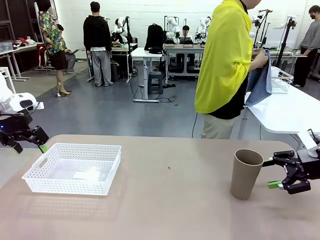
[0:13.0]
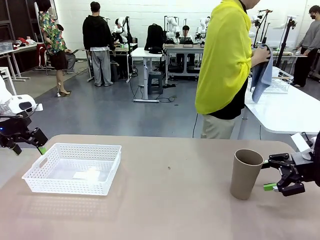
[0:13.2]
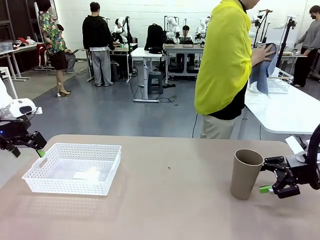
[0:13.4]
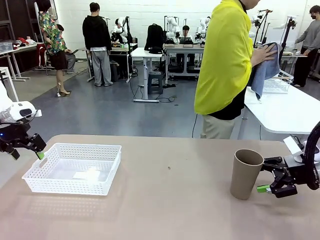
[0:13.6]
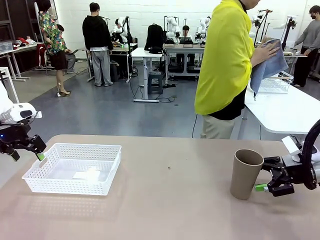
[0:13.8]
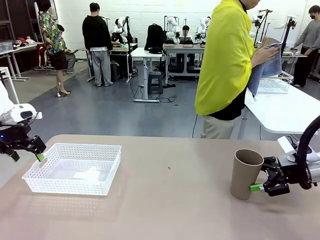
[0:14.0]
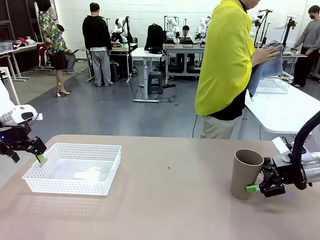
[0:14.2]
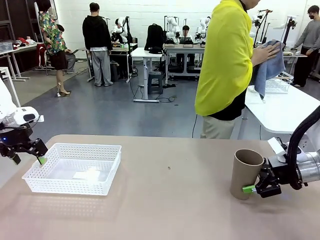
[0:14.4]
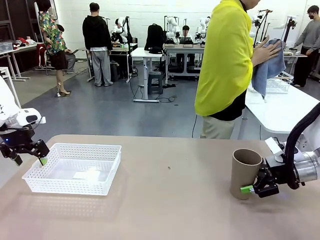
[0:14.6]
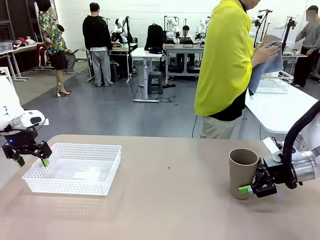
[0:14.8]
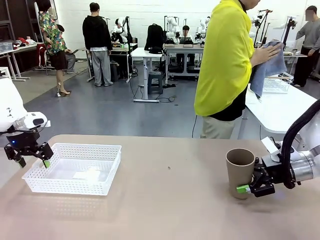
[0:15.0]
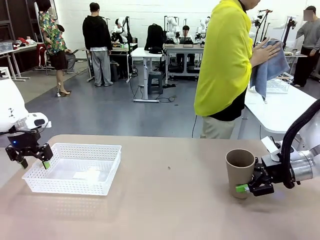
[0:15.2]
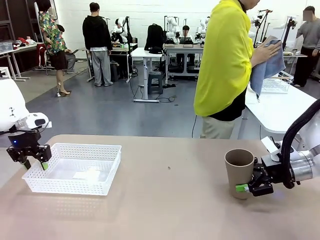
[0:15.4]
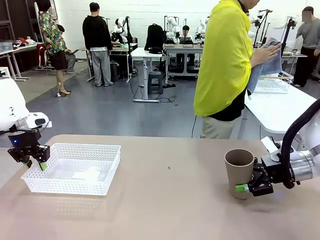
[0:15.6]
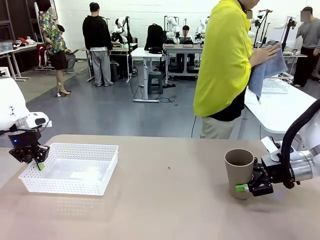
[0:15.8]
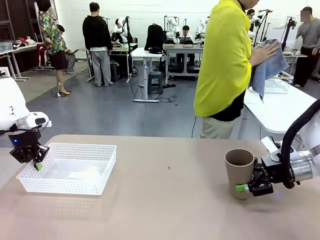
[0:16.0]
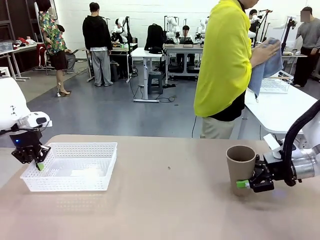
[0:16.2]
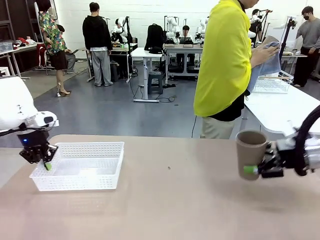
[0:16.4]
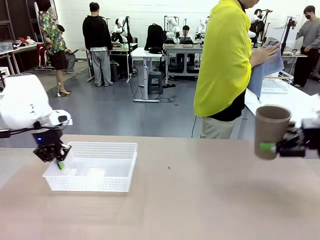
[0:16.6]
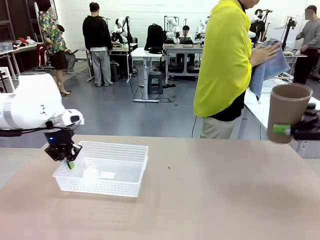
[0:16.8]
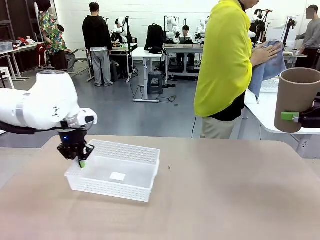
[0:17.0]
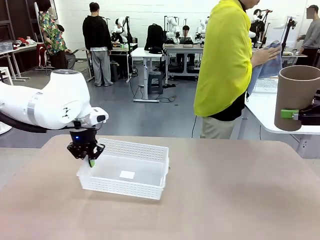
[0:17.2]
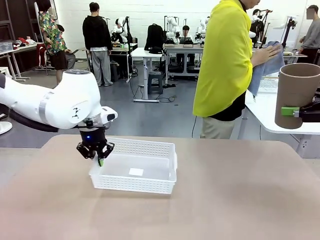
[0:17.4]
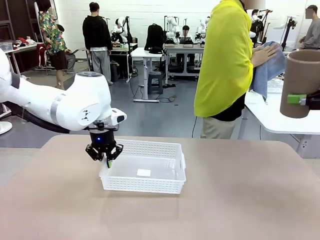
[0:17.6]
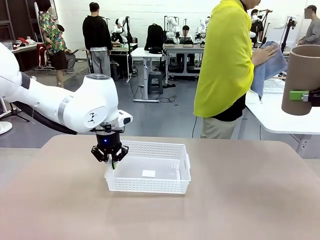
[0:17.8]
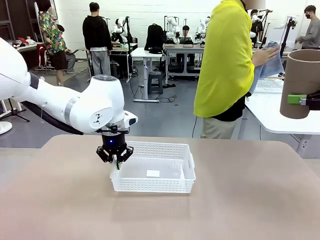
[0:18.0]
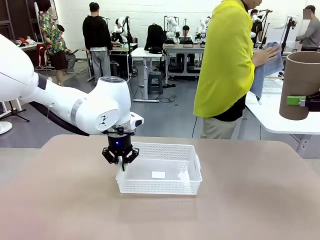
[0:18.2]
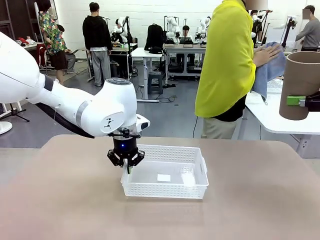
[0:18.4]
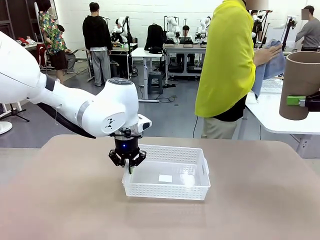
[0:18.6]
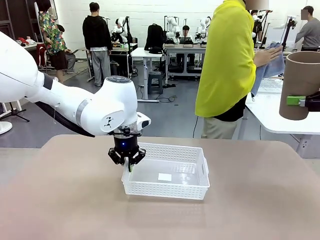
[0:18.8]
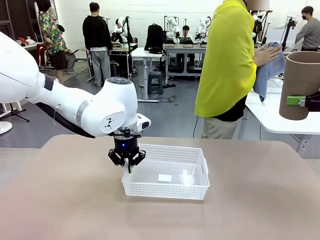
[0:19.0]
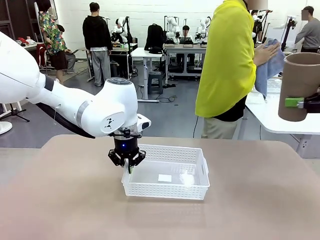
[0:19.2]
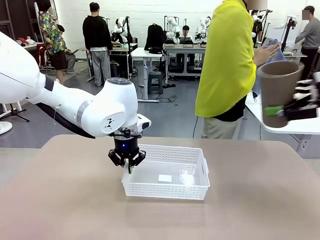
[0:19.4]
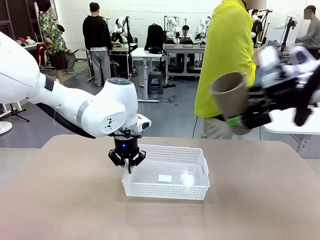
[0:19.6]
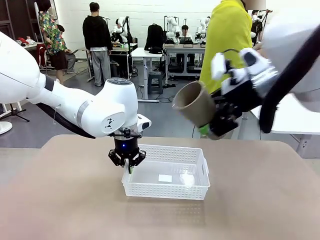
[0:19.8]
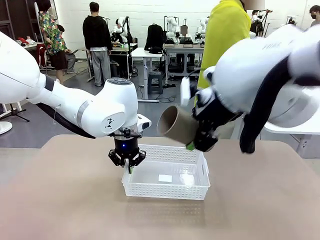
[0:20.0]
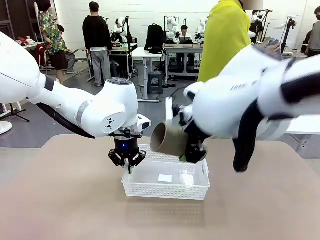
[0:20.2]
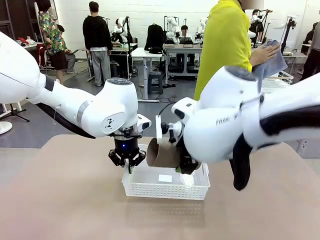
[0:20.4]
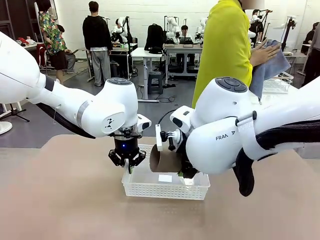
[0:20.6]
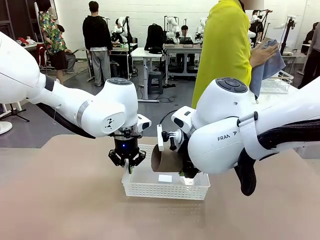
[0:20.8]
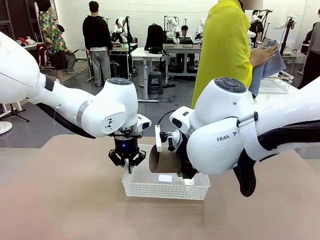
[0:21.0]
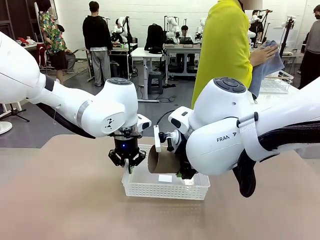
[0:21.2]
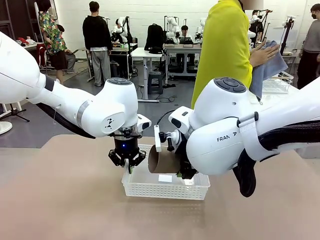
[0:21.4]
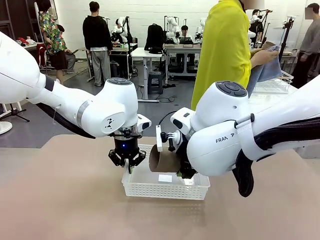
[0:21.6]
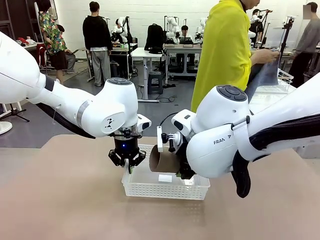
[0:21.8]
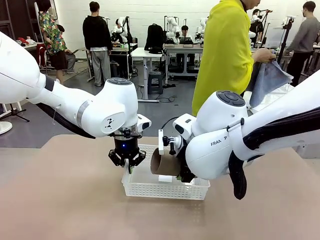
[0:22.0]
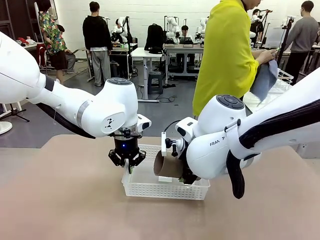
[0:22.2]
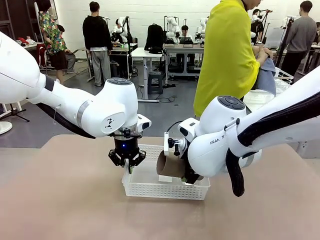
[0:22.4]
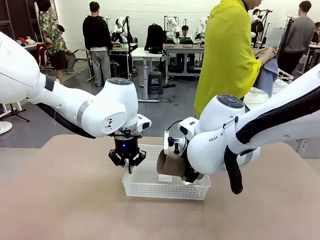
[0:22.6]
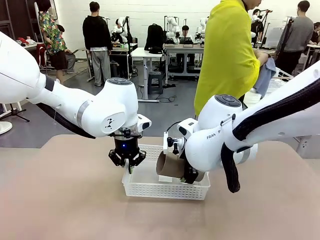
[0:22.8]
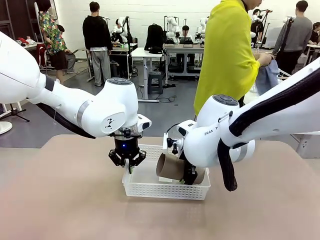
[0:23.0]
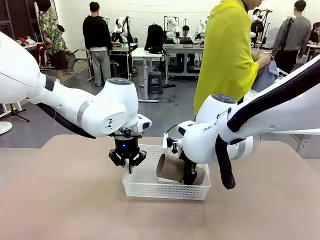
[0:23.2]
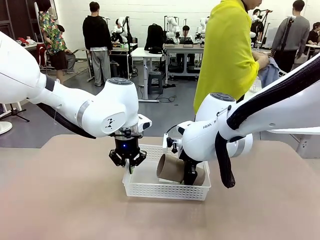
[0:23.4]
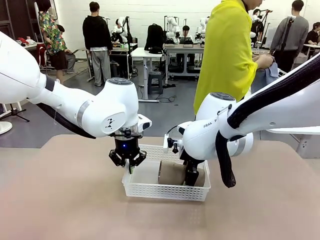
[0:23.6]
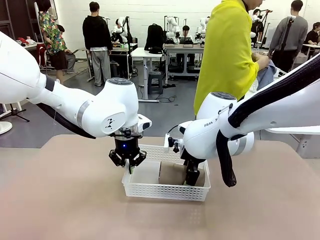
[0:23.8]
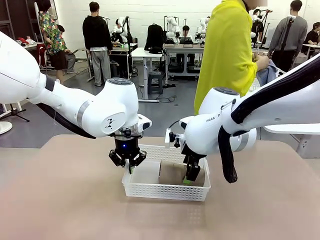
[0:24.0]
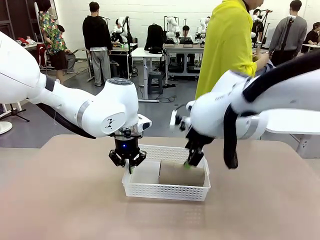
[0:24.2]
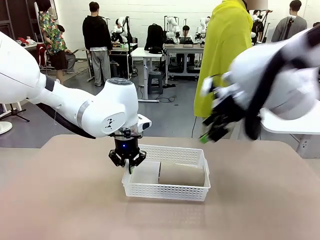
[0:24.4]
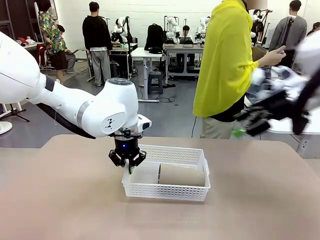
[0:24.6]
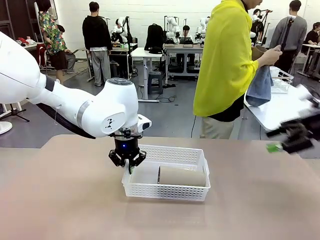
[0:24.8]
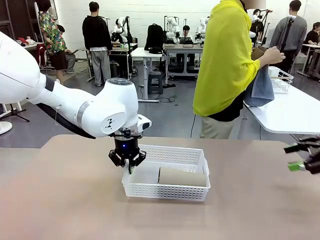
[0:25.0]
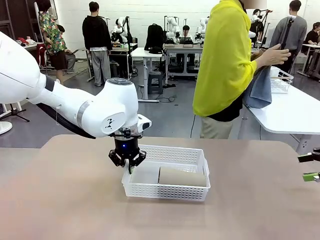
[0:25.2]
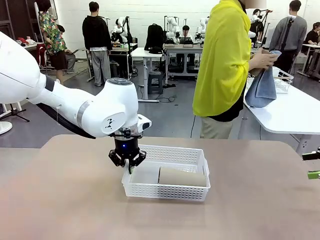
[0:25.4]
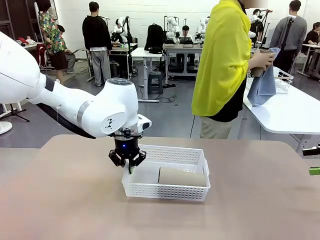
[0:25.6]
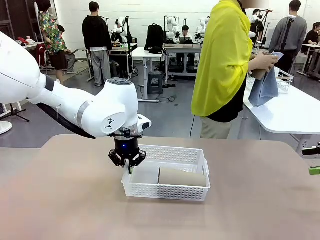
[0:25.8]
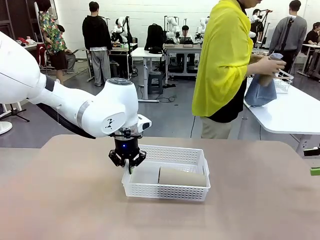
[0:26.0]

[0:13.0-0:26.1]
Task: Clean and organize the cups into the basket.
Robot: Pick up the Organizing basket and move it to the center of the table, then pick up the Reusable plastic cup from the right side of the table and place it inside the Organizing basket.
